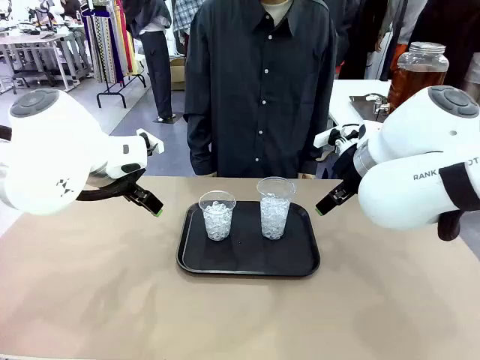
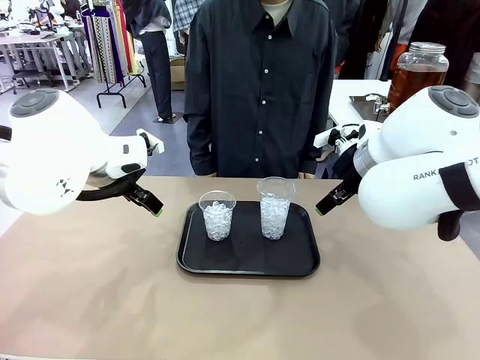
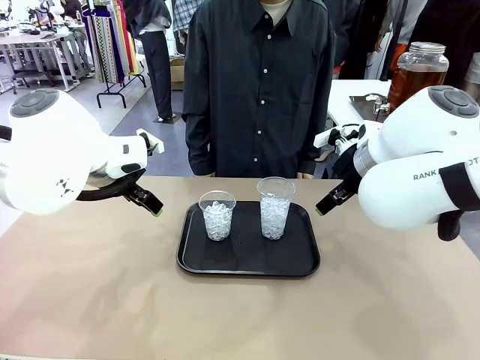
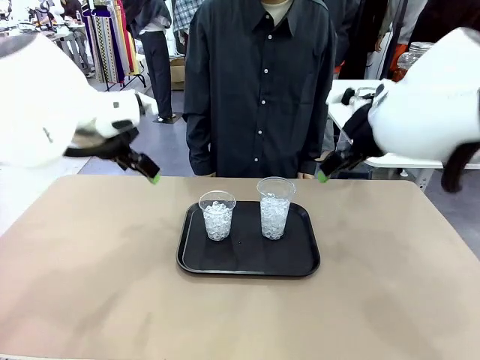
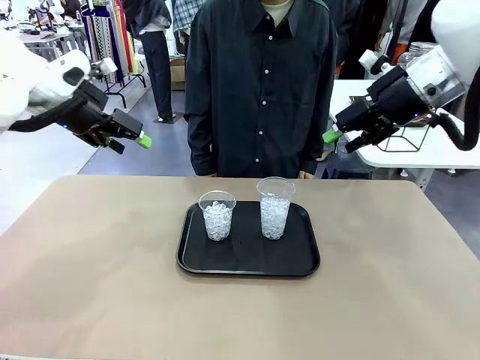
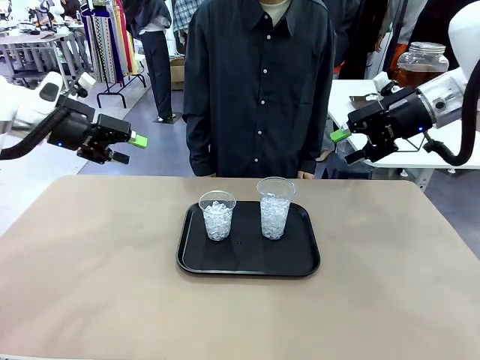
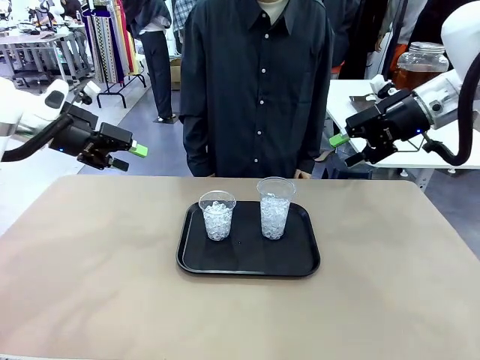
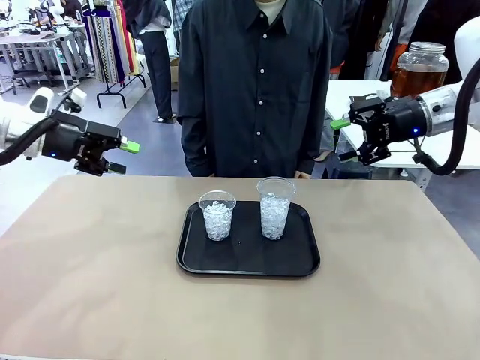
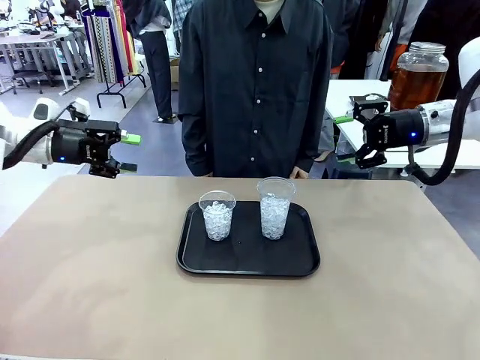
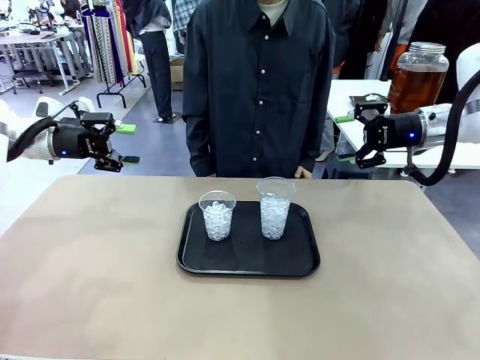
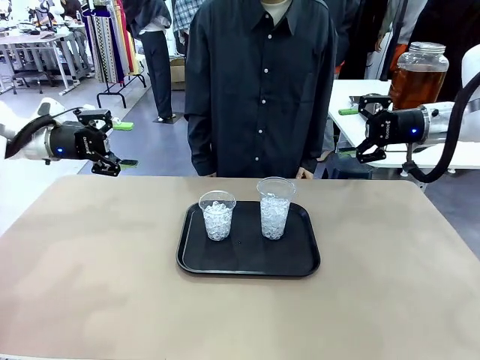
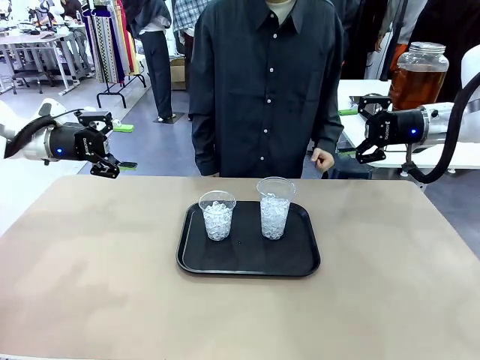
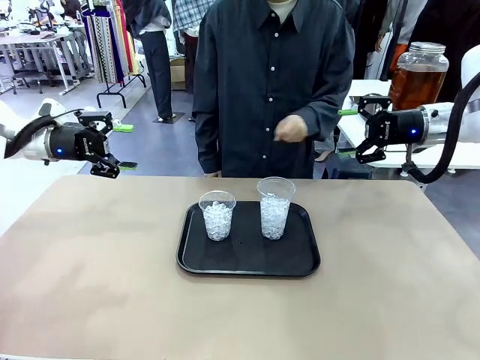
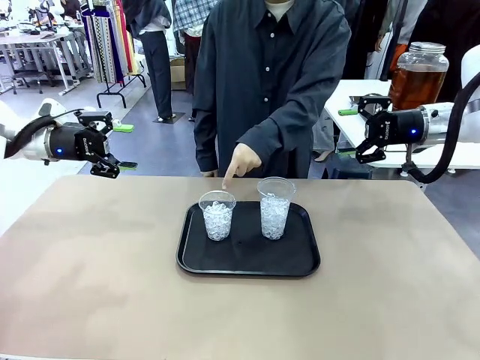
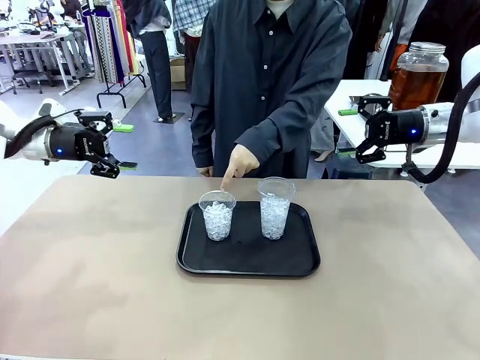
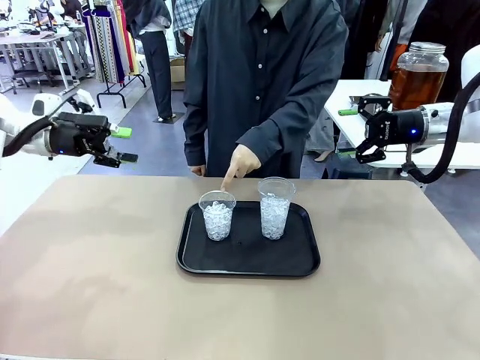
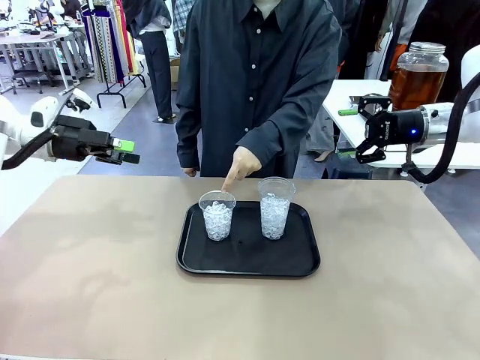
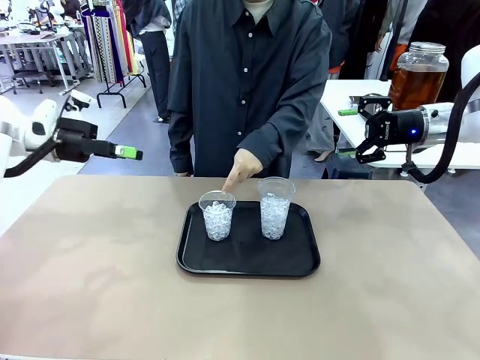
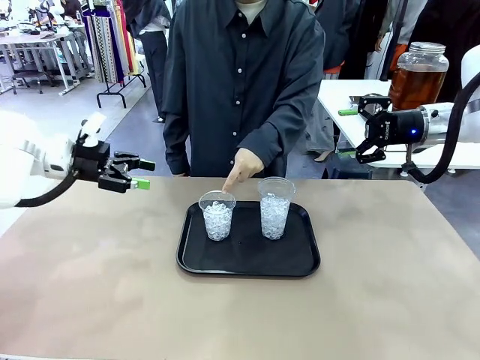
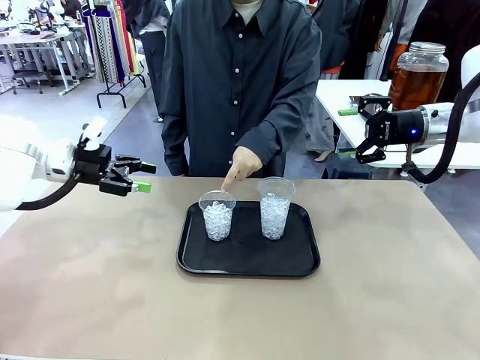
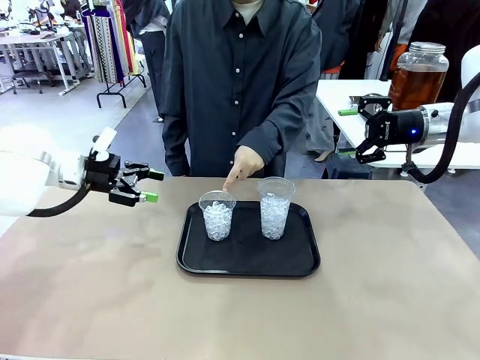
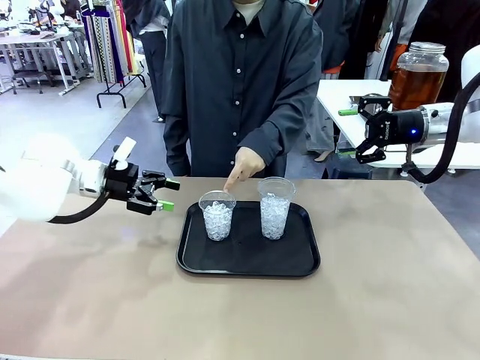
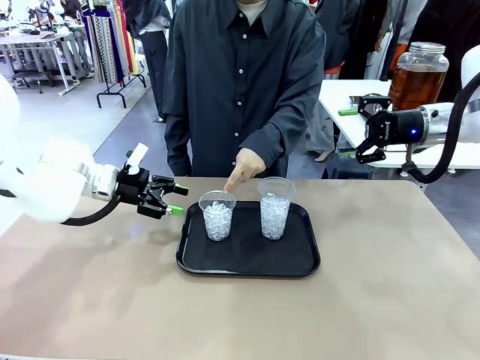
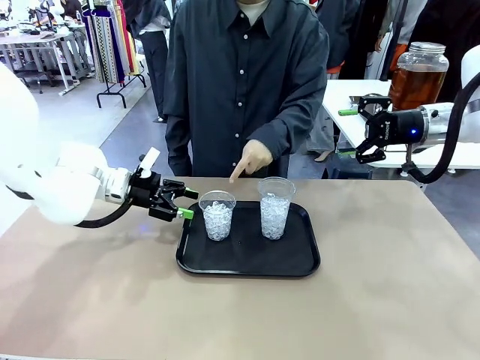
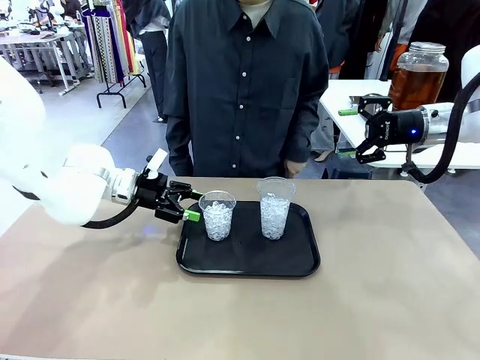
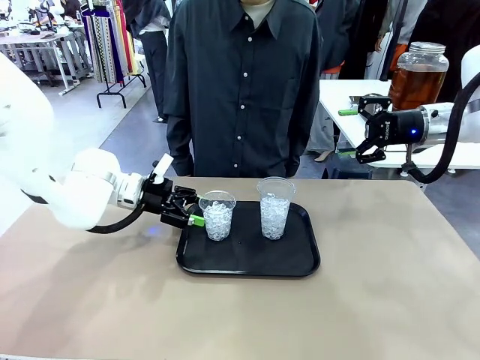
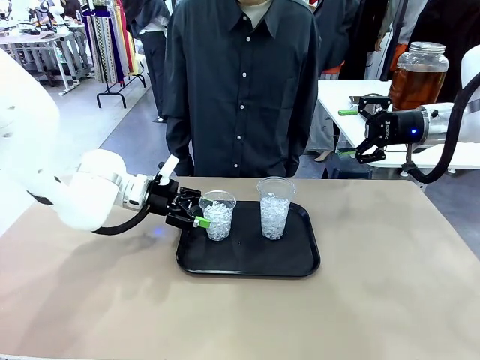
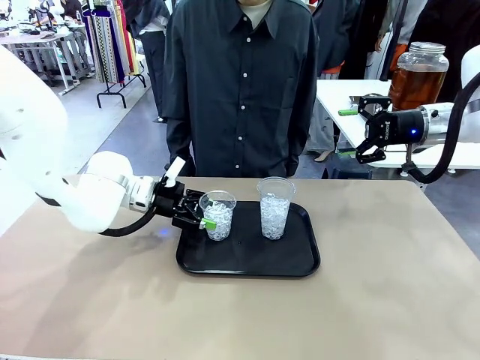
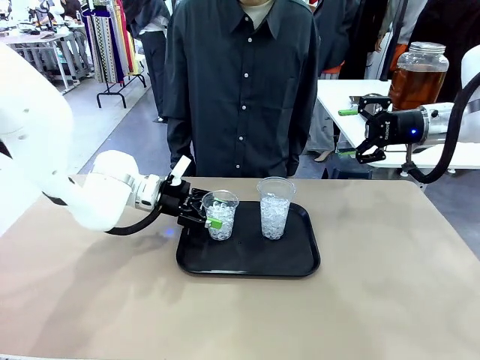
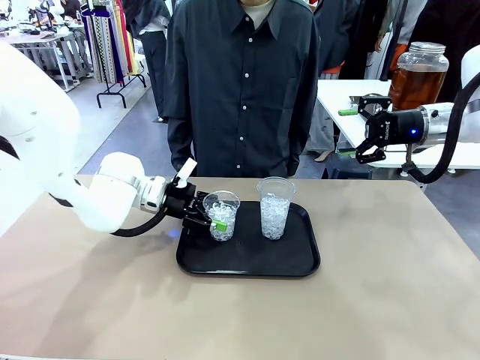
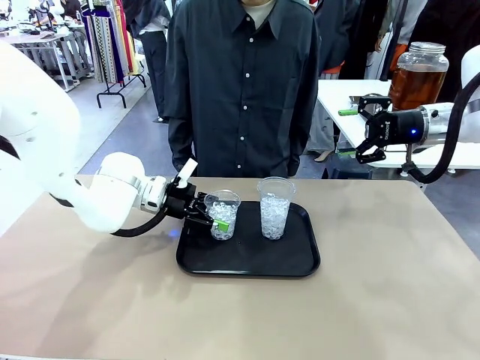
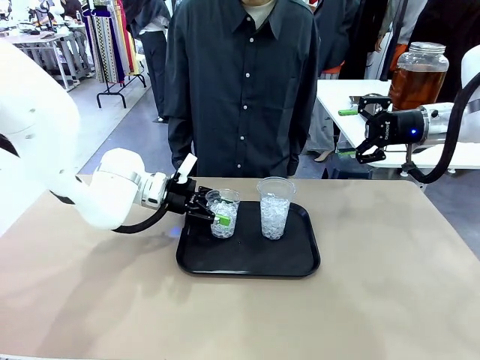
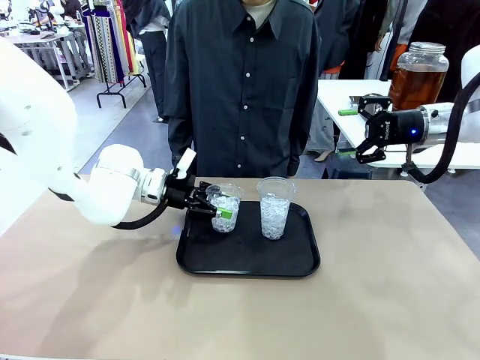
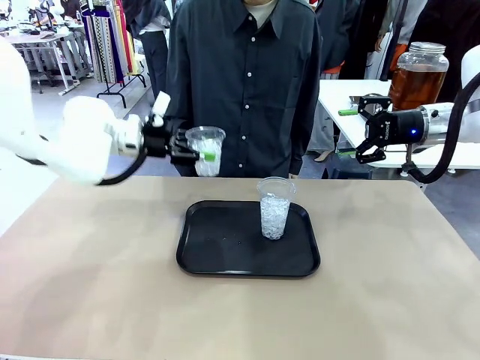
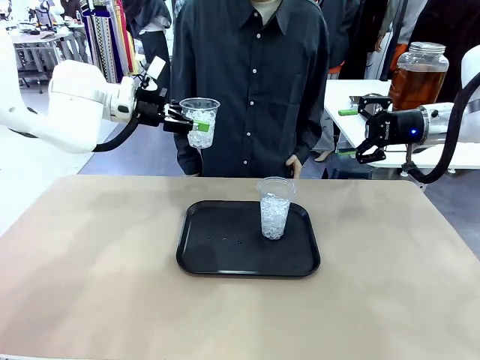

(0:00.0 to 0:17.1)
Task: Pour the drink into the iced cup.
Robot: Pick up the iced cup indicated by the human and present it to them.
Person: Point to one of the two ice cups. Pick up the cup offered by the robot.

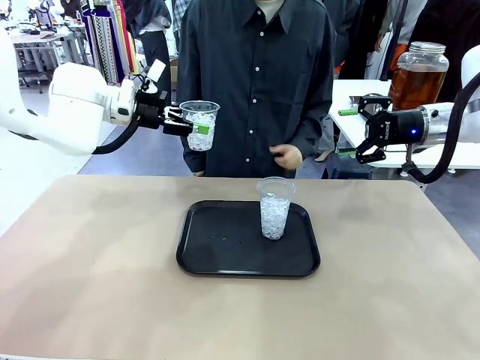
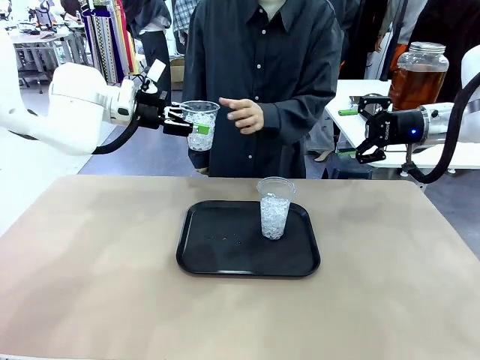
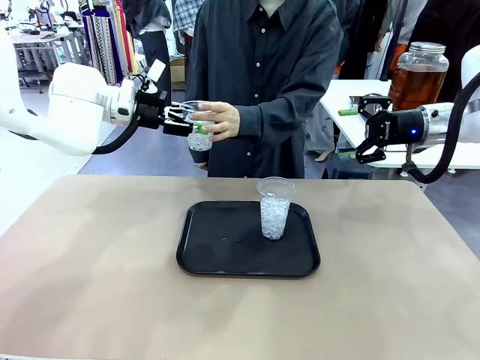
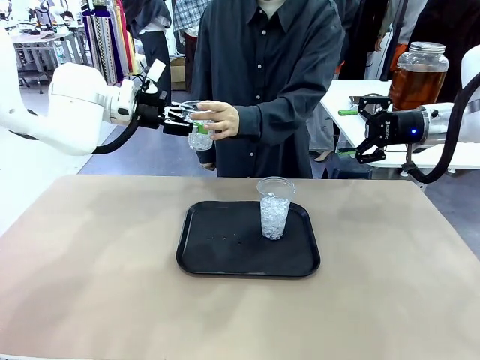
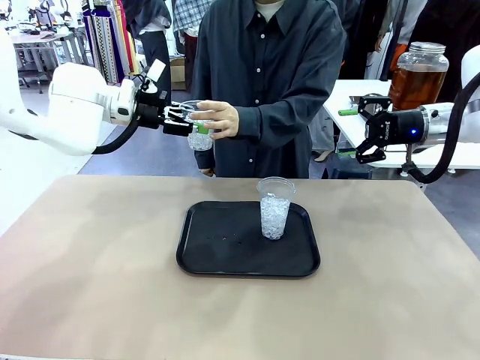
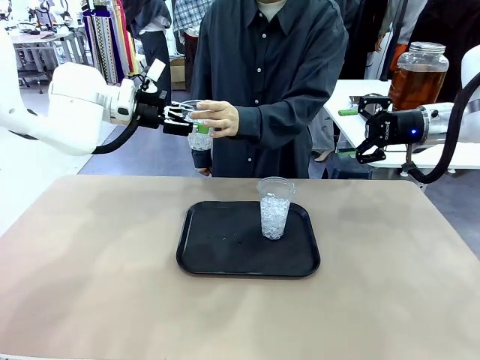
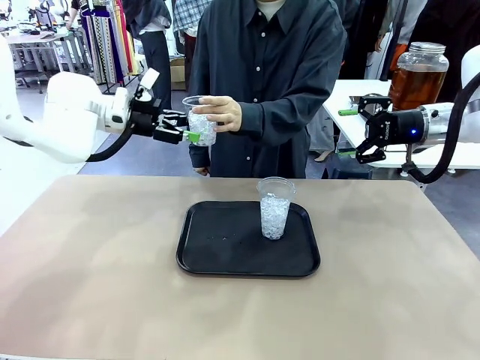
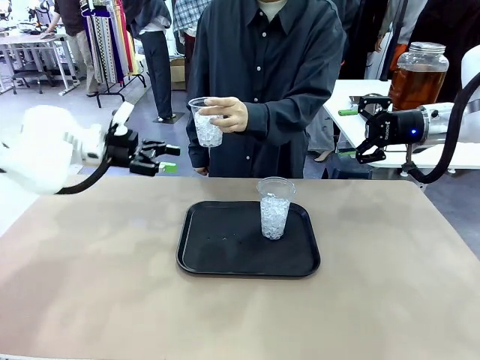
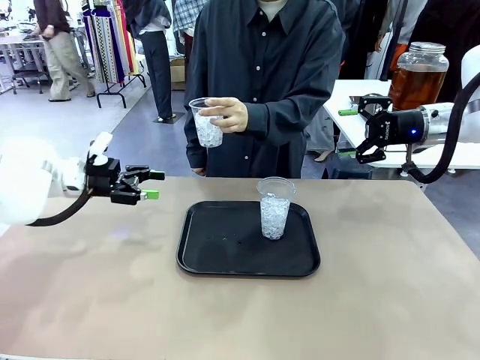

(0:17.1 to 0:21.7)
Robot: Open the gripper to release the iced cup you were holding.
